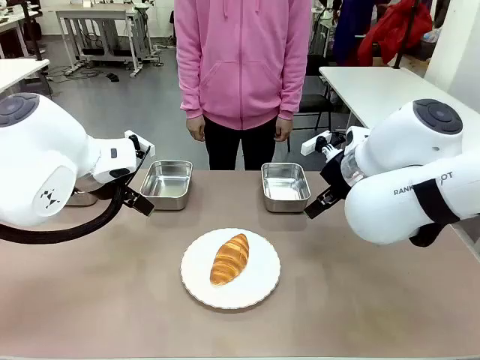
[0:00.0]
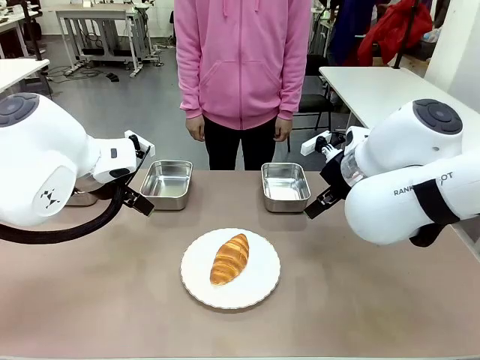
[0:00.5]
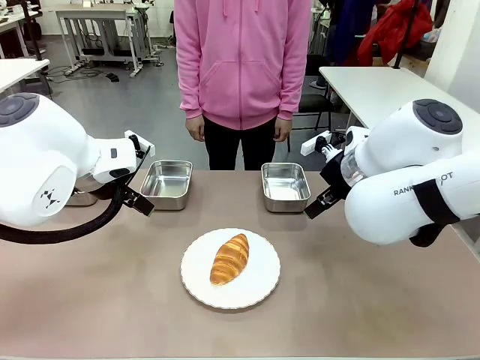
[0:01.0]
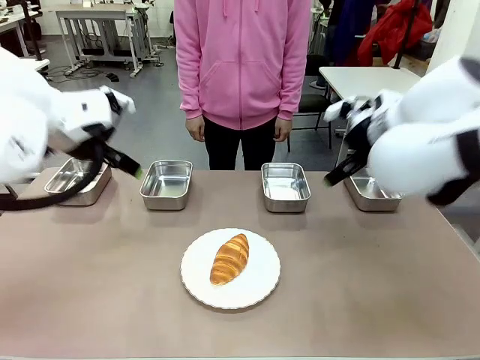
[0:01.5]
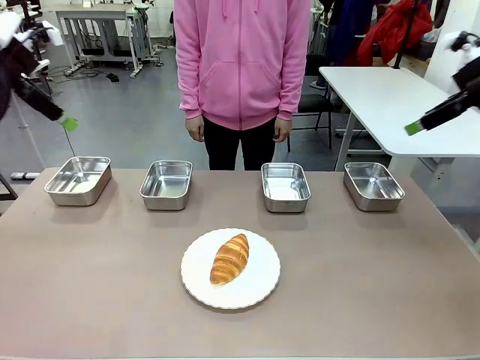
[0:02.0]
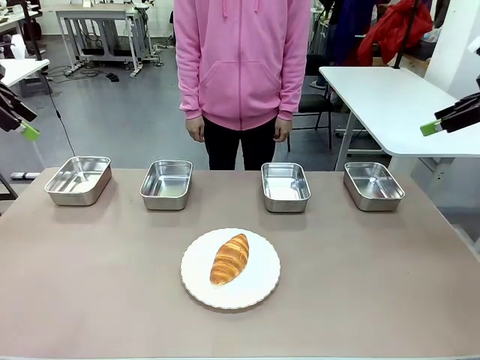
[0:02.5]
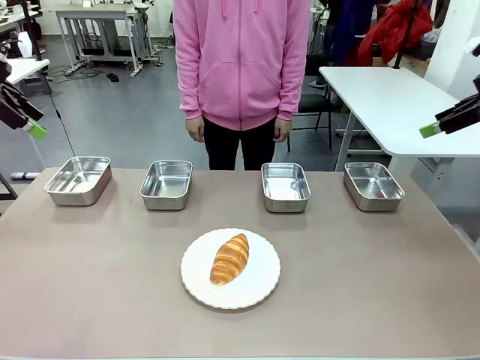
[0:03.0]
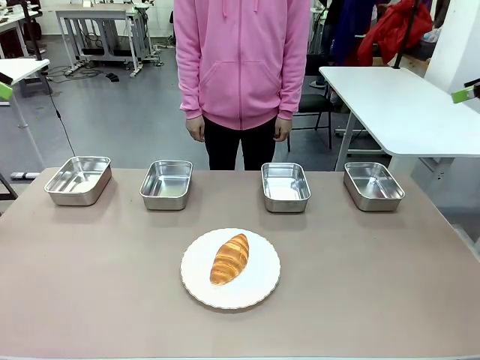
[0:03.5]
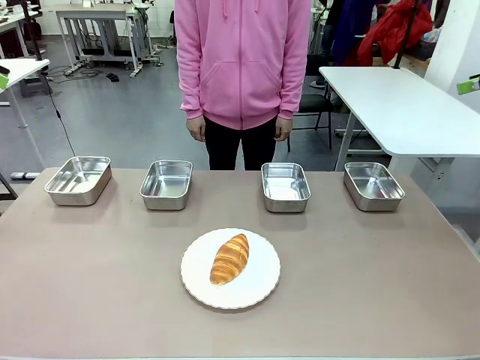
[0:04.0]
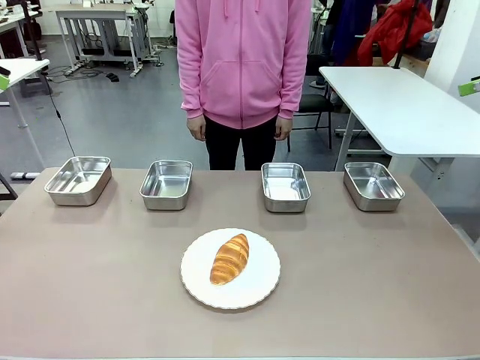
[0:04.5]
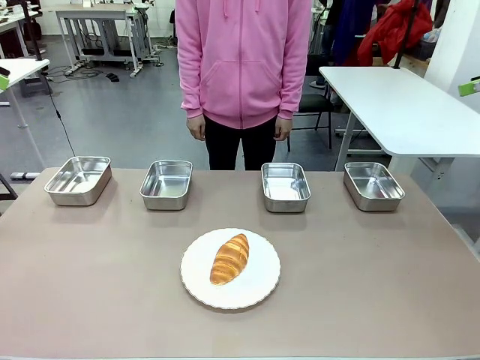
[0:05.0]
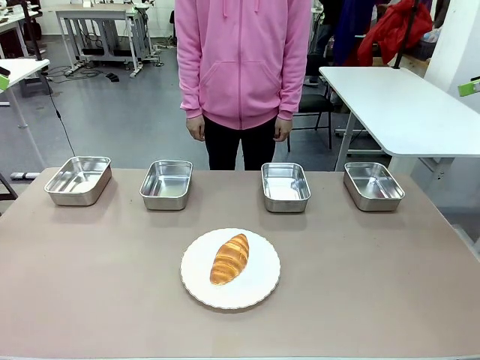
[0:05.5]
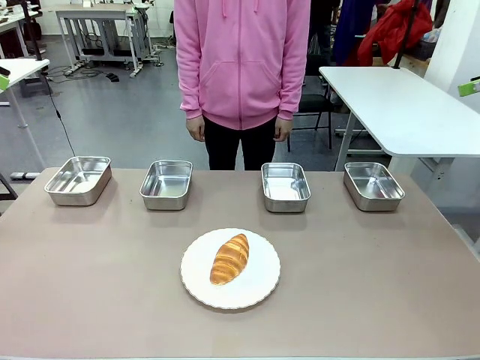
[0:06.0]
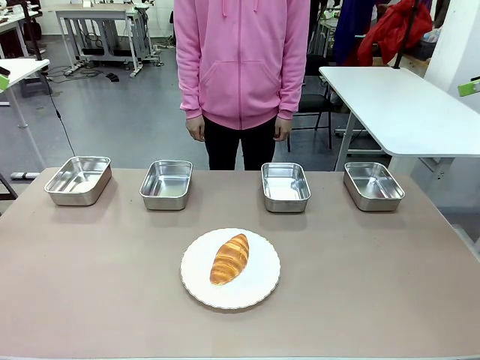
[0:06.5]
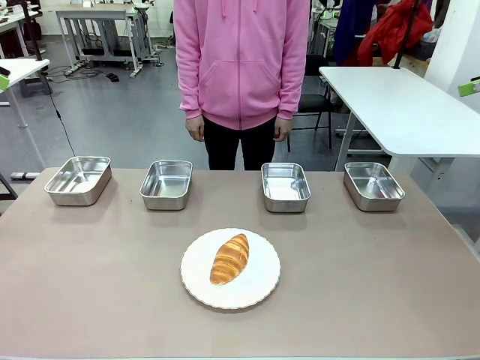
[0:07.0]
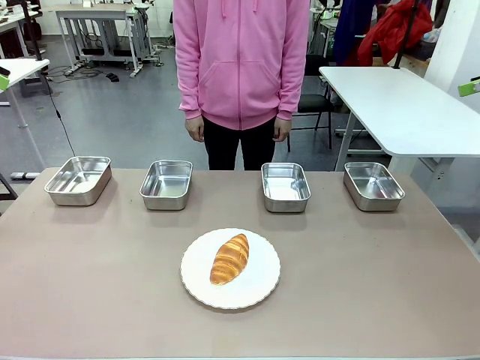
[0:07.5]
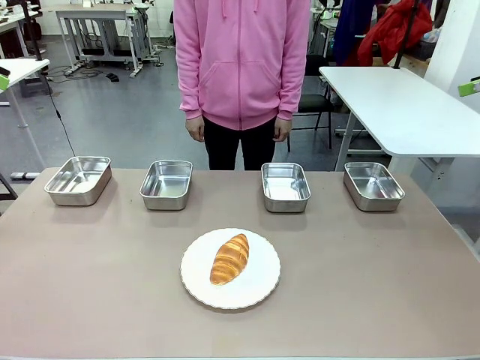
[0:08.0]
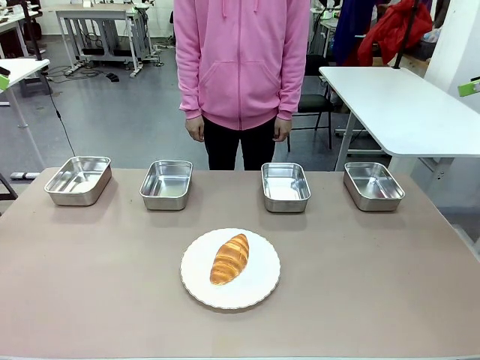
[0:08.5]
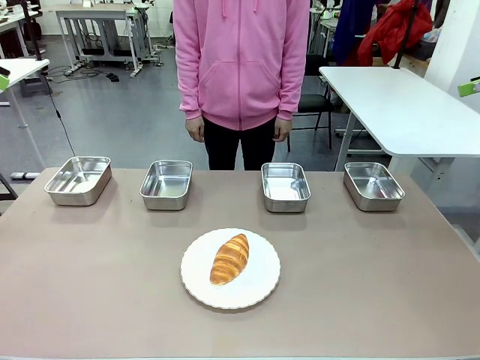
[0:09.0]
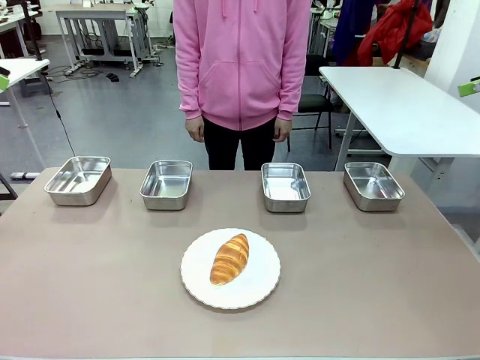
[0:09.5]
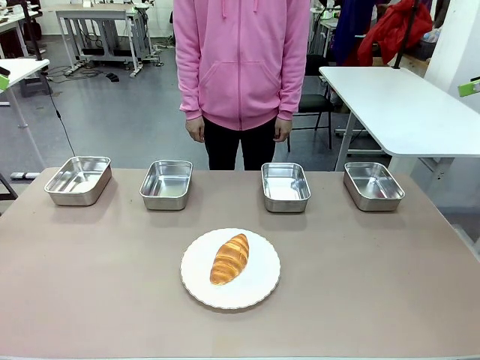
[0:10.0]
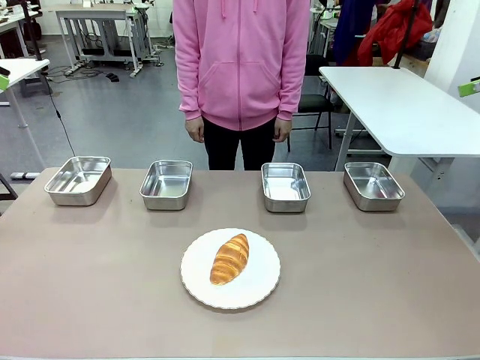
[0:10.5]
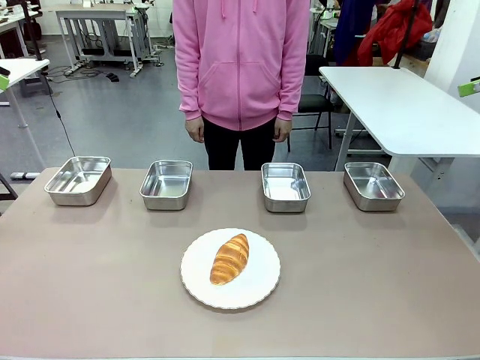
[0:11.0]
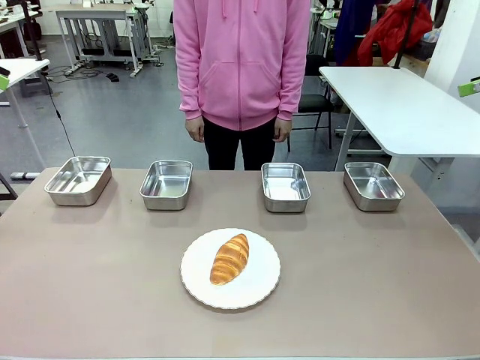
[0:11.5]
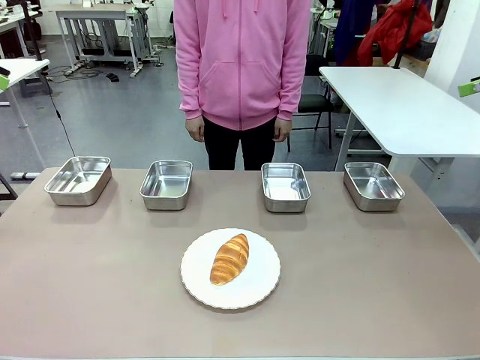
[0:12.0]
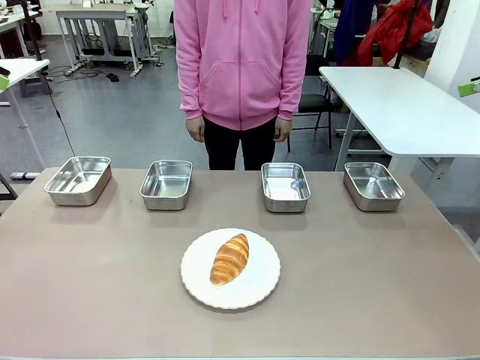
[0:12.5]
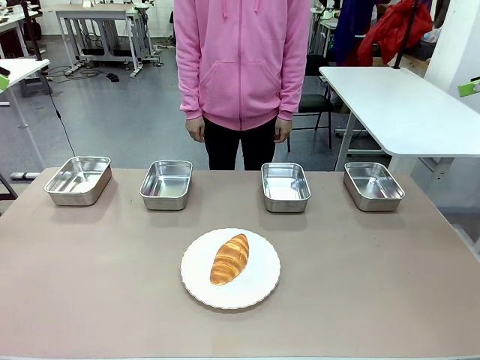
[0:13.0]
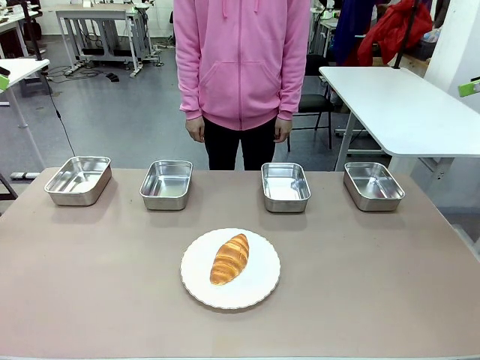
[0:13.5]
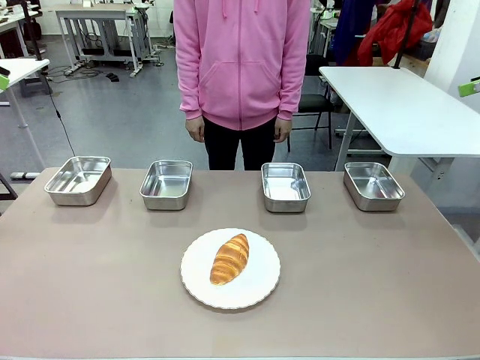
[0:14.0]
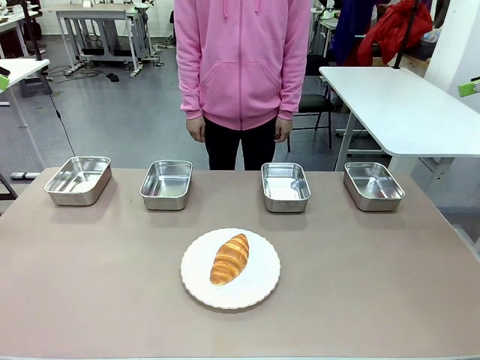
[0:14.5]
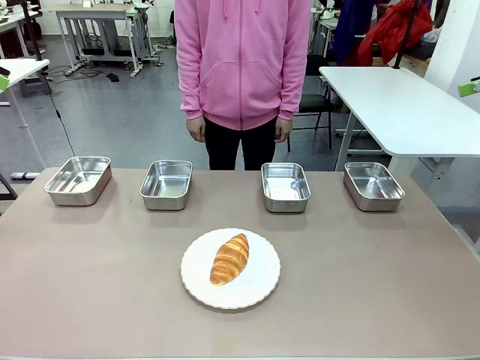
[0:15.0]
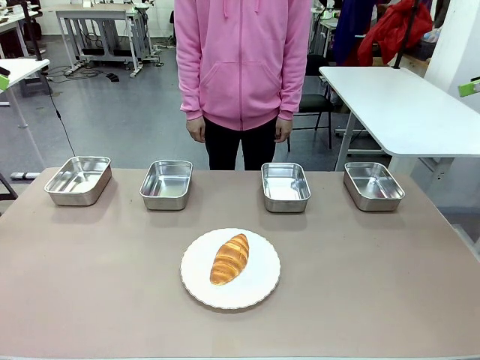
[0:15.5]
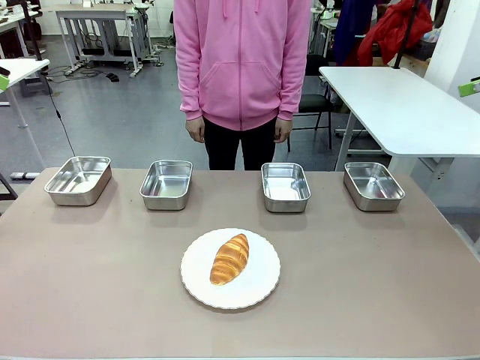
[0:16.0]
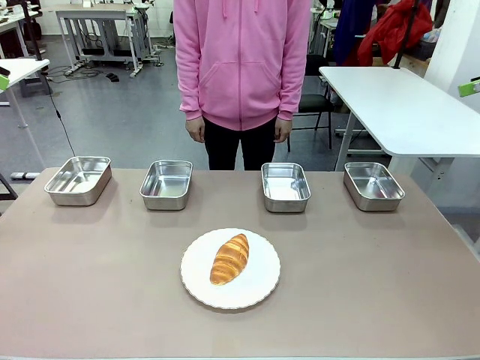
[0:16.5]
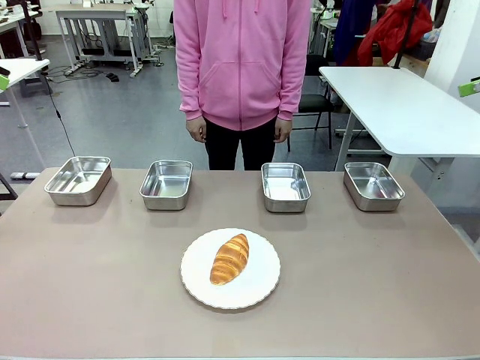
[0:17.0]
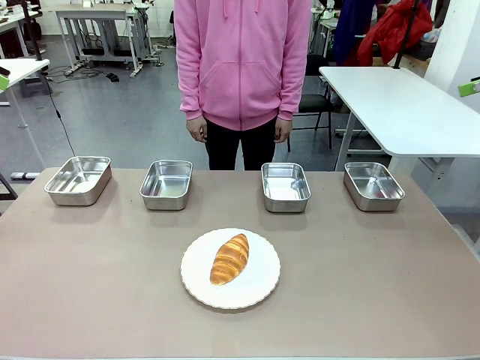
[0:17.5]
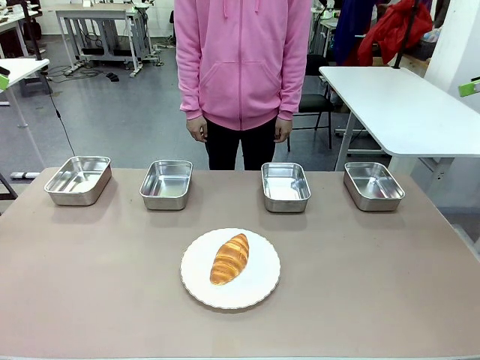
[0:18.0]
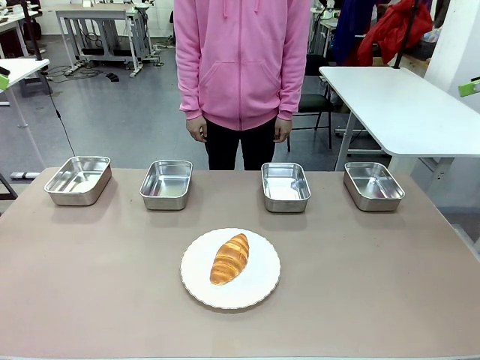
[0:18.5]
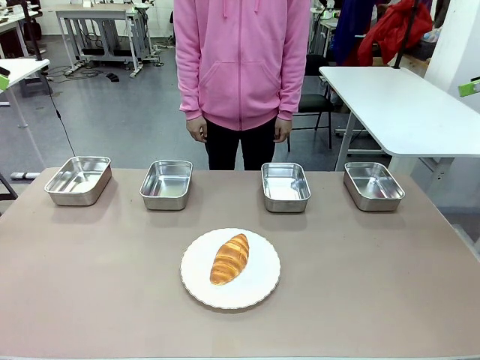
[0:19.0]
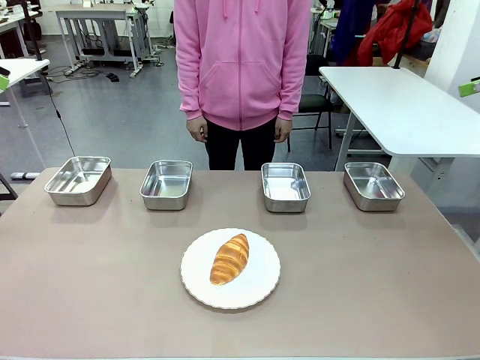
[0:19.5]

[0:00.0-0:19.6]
Task: Place the bread in the container.
Robot: Place the Butter Roll into the Airtight Container indicated by the human.

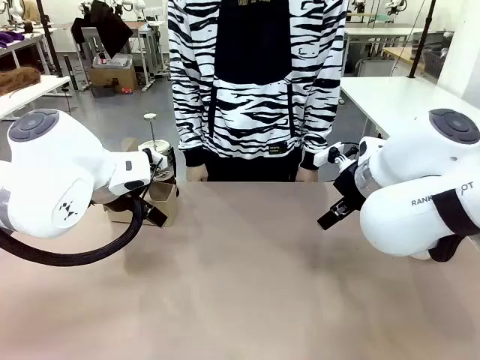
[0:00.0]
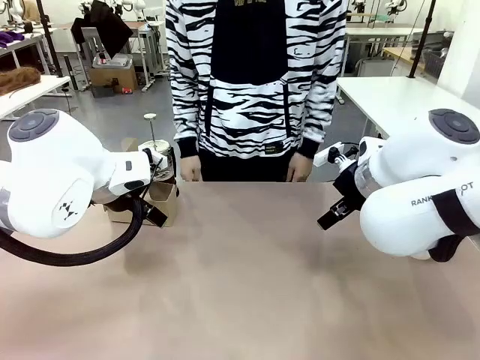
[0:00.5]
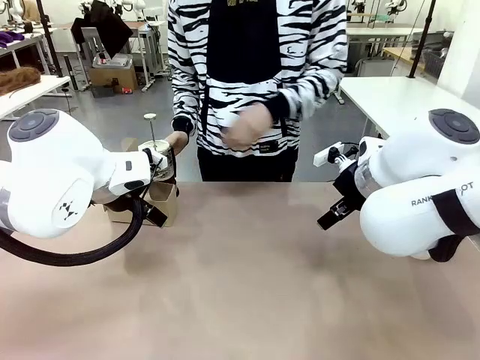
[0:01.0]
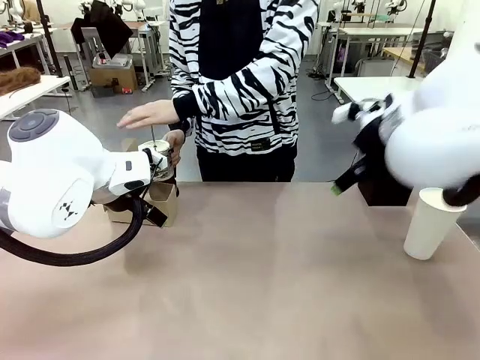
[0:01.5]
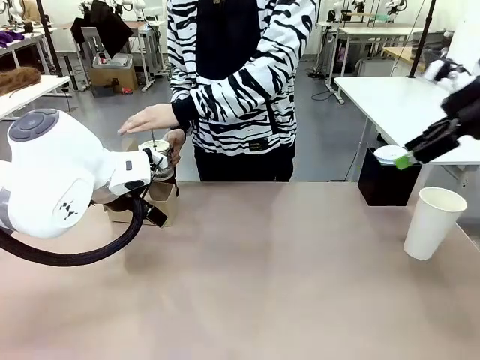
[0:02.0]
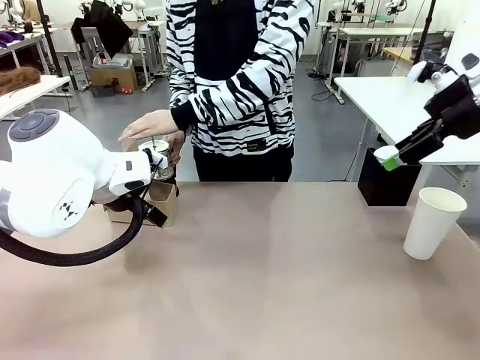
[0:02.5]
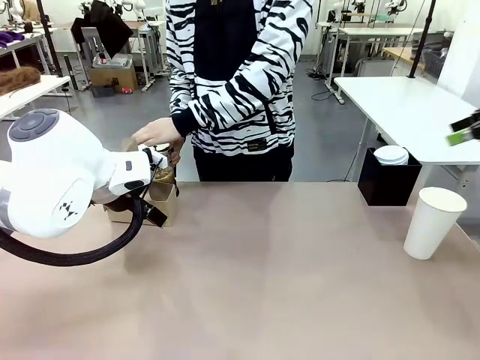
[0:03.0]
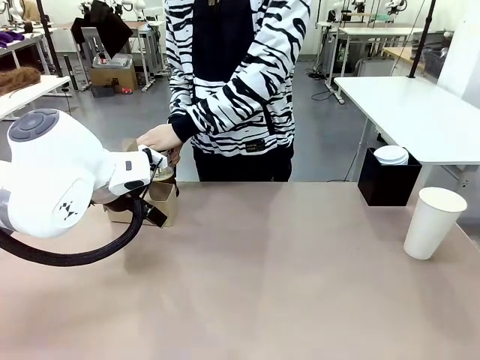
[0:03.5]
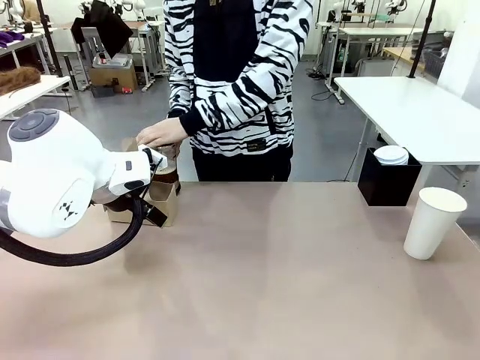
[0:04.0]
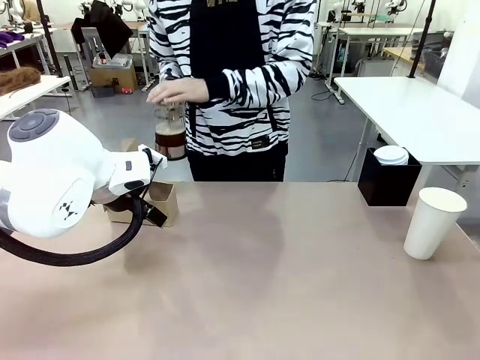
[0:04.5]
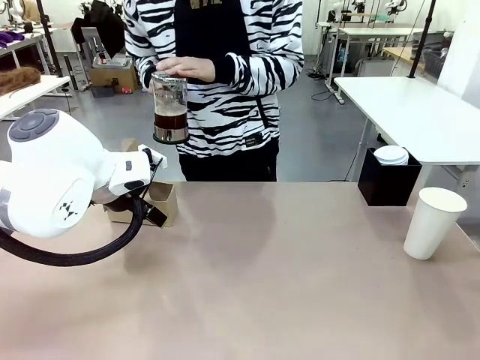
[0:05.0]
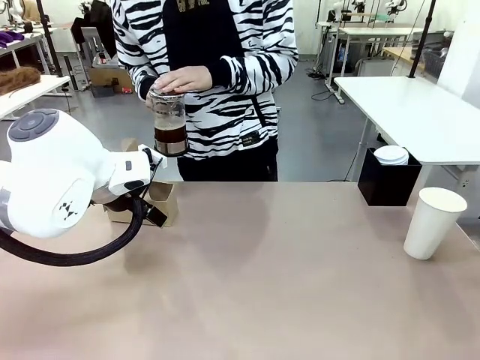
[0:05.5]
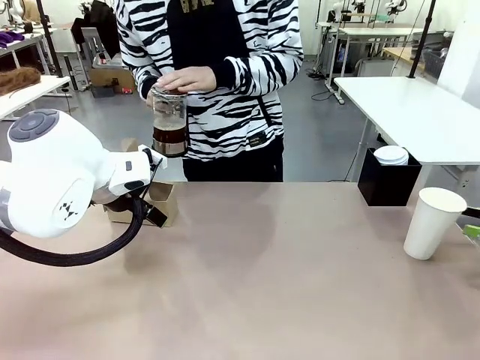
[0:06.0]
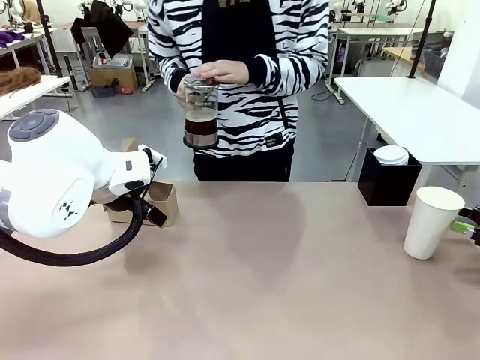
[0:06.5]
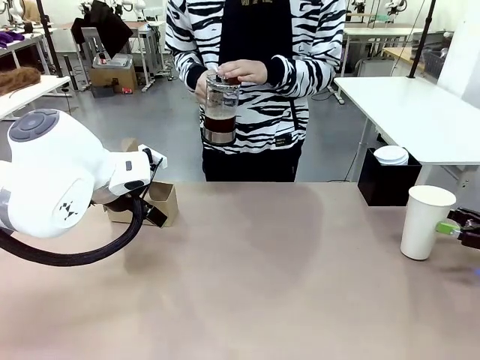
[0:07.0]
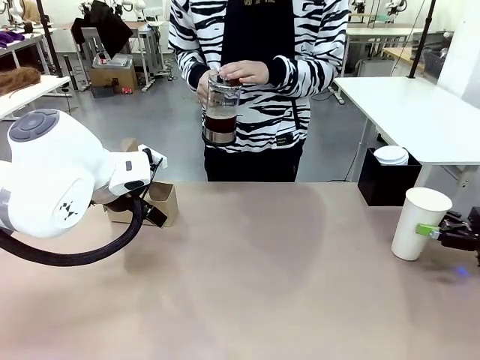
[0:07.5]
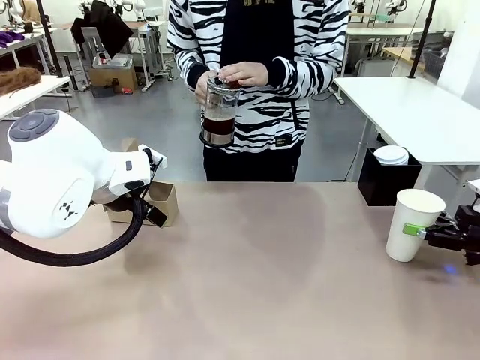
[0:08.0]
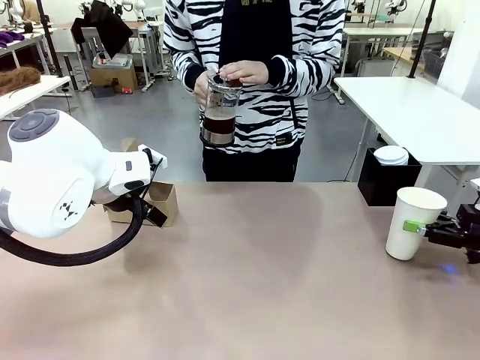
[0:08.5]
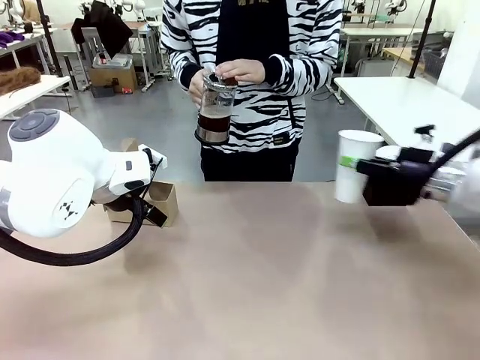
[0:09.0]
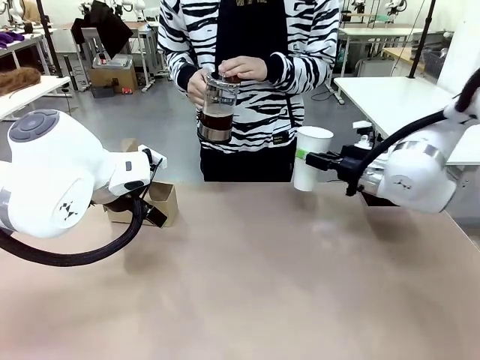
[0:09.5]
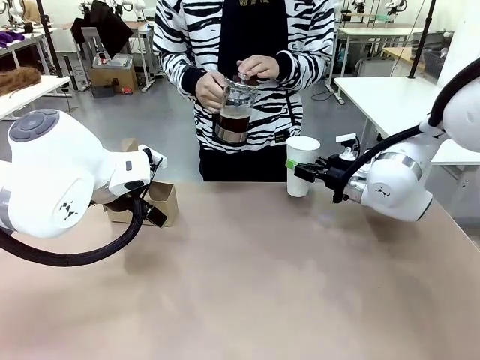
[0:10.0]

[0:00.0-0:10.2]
Task: Pour a drink into a cup and package it in a carrier.
Robot: Pick up the 600 ml Paper Cup and place it in the middle top area of the table.
Person: Press and pick up the Filter Brewing.
